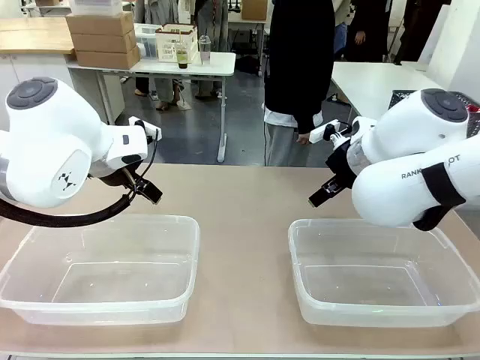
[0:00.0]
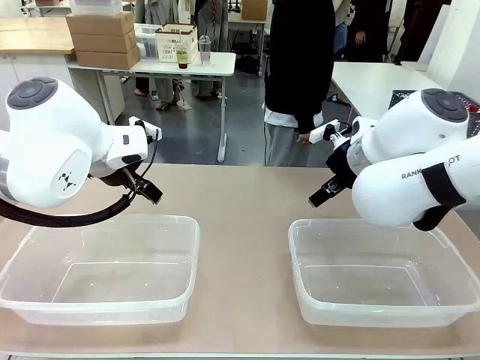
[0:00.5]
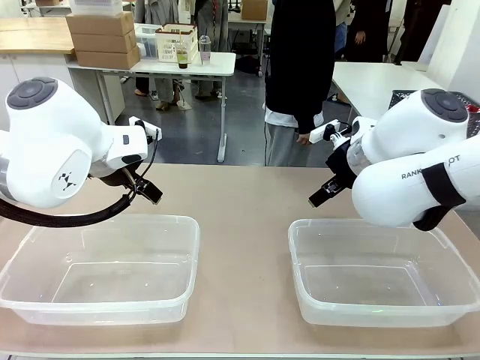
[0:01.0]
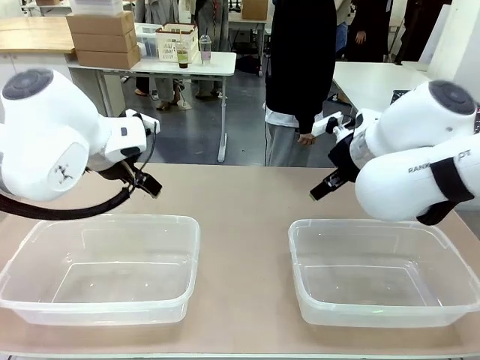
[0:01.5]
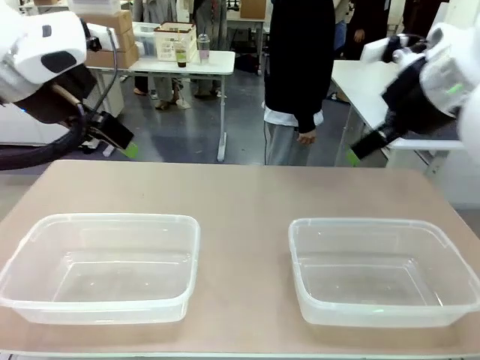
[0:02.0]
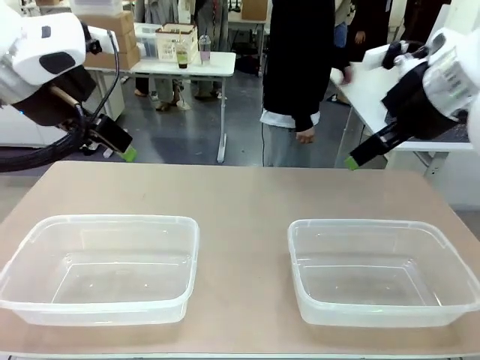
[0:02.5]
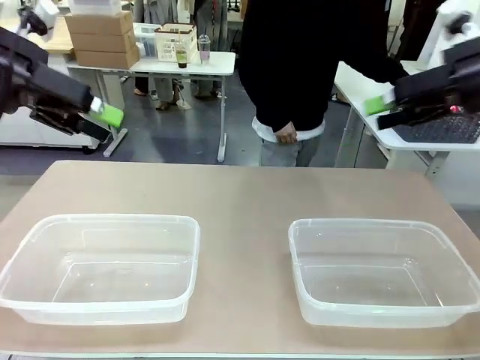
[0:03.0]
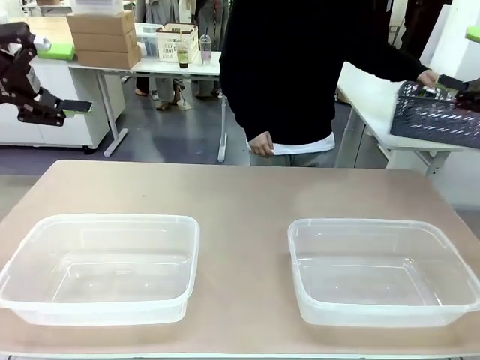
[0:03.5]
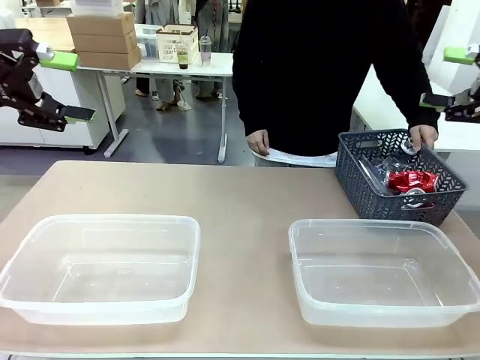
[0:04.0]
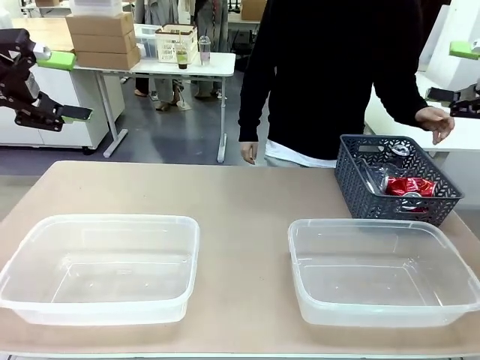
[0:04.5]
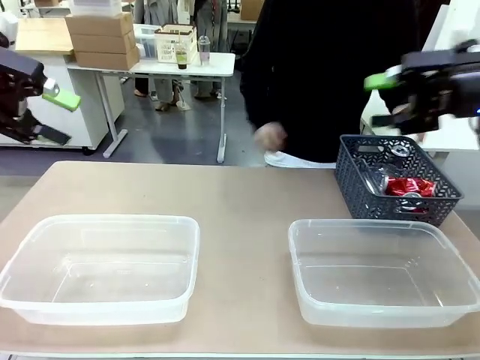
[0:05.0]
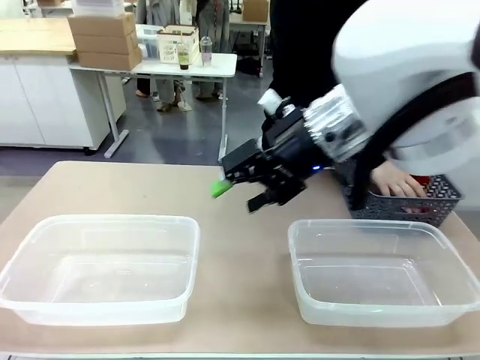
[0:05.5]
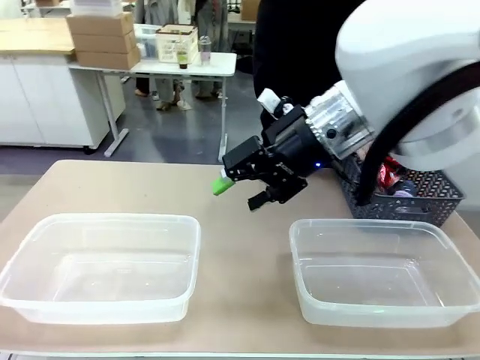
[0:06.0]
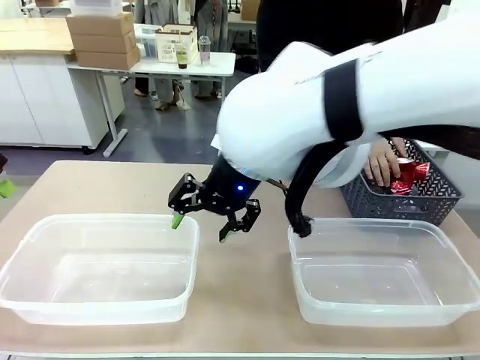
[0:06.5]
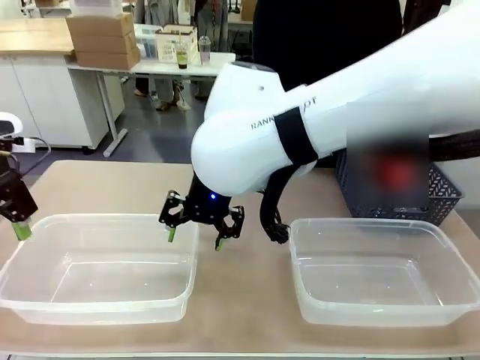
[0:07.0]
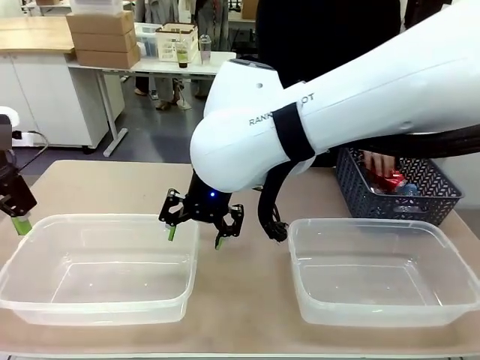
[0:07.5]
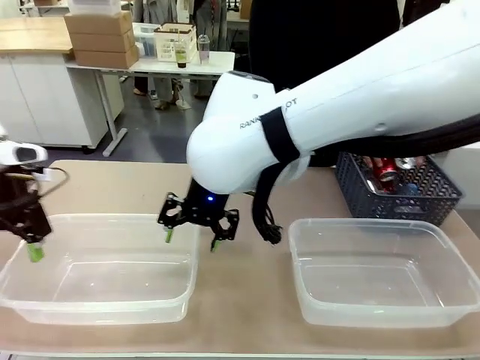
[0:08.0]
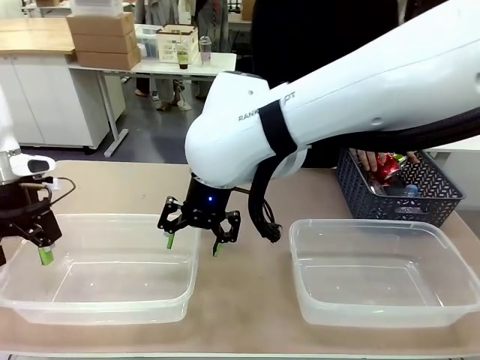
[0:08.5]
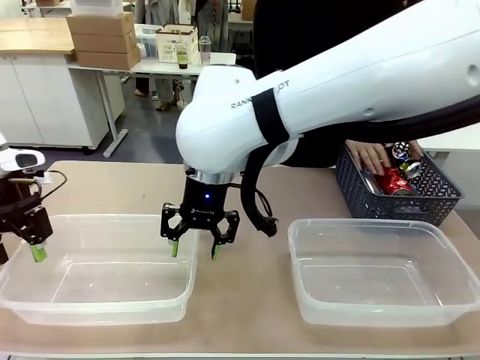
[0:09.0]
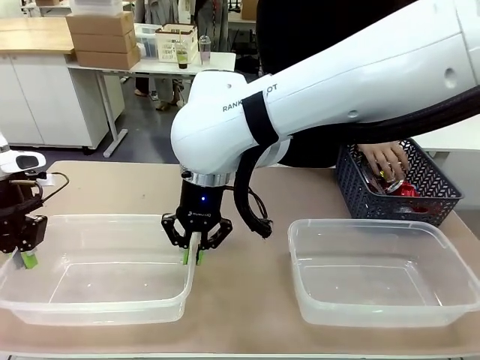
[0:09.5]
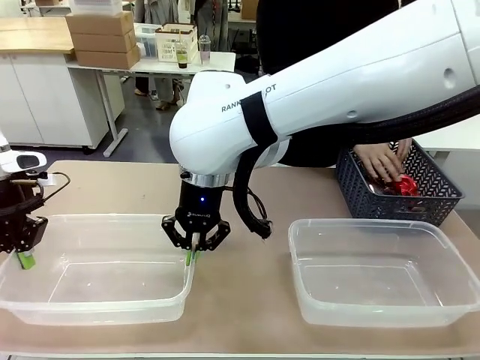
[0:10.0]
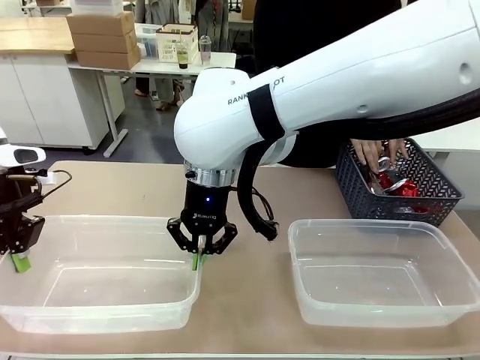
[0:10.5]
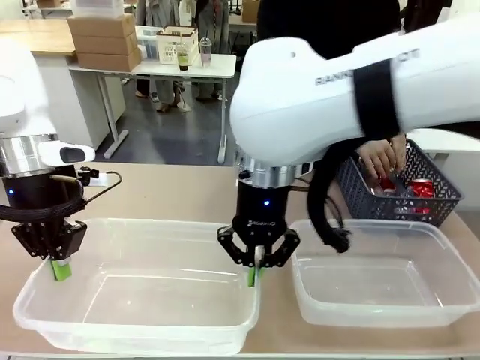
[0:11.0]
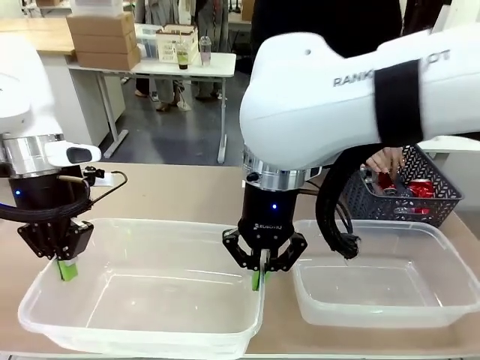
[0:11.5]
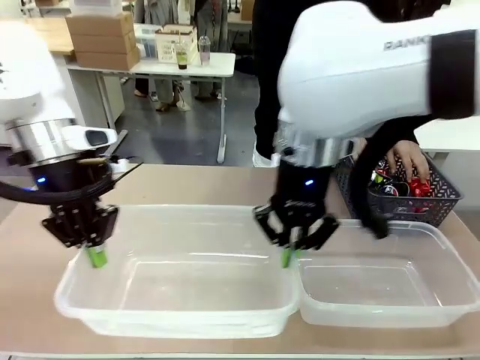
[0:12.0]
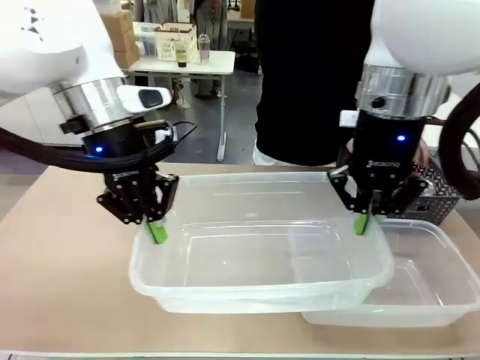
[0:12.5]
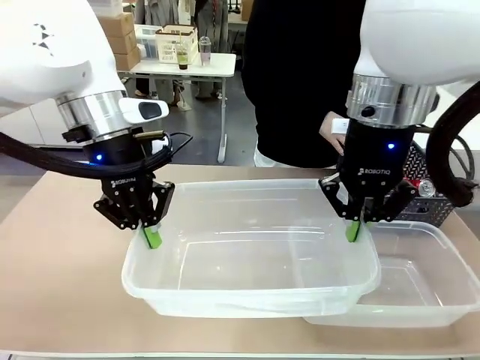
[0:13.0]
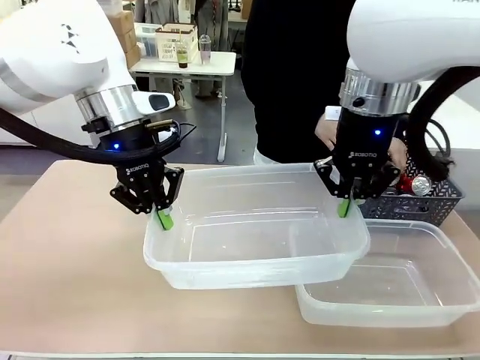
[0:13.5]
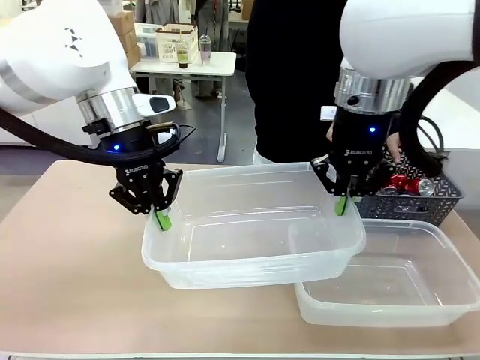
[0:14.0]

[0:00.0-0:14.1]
Robot: Pick up the Organizing box on the left side of the table and lift it.
Person: Pick up the storage basket and place it on the left side of the robot table. Pick up can-shaped waste one by one and place it into the organizing box lifted by the robot.

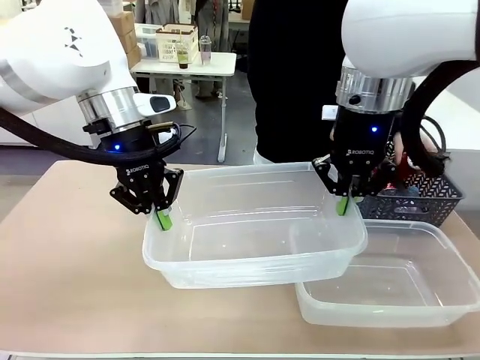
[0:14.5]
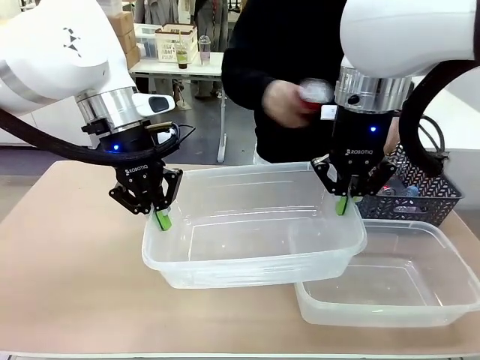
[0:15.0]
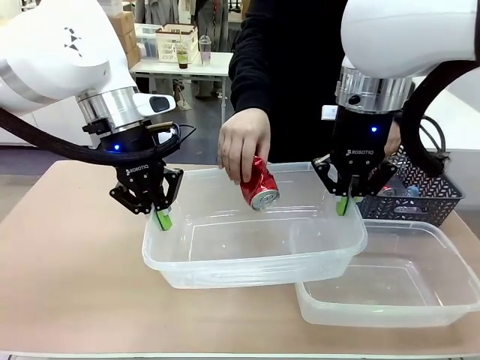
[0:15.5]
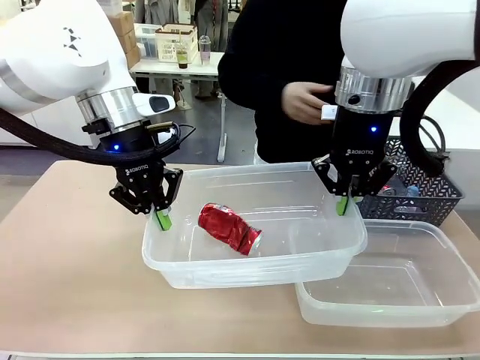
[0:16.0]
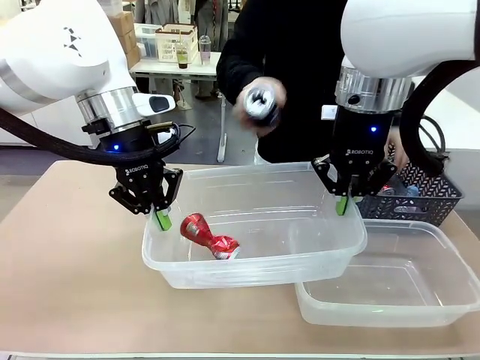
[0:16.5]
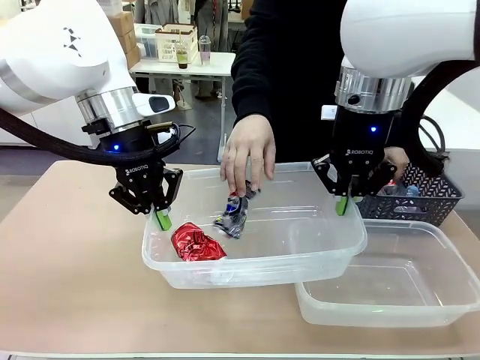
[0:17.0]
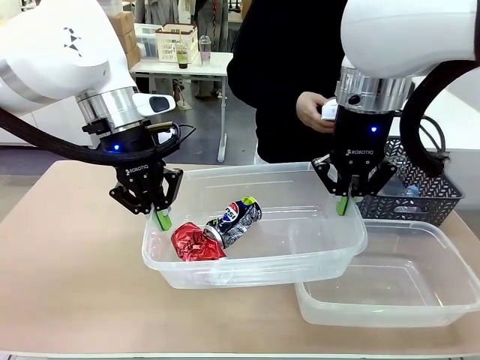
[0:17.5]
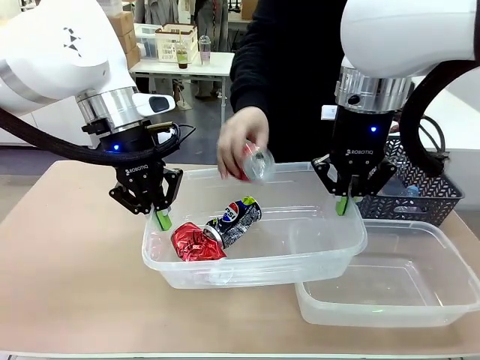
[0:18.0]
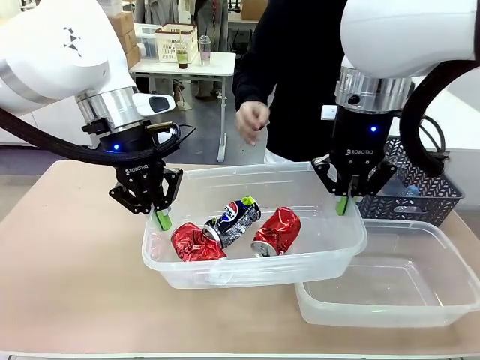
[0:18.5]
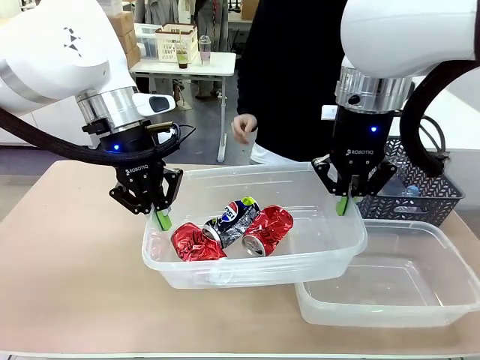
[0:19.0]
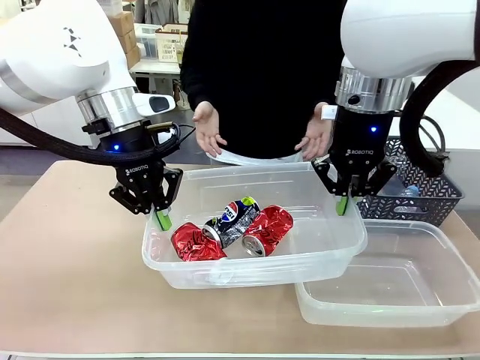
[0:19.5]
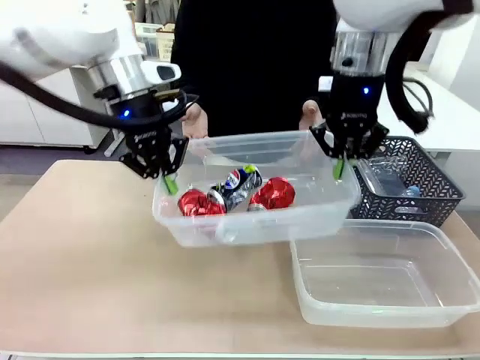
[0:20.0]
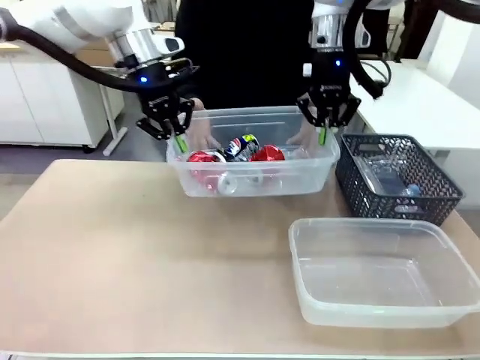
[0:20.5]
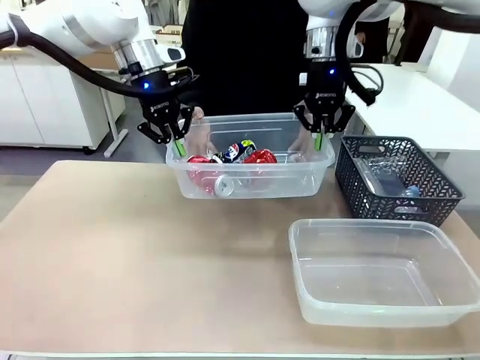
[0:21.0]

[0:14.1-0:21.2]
Robot: Offer the picked Organizing box to the human.

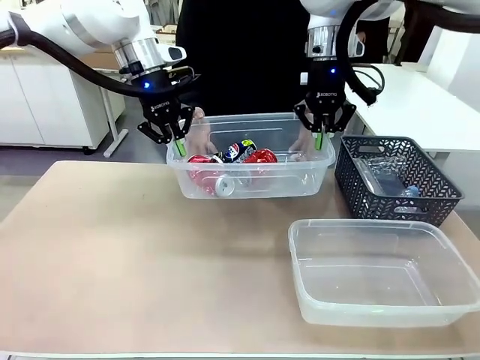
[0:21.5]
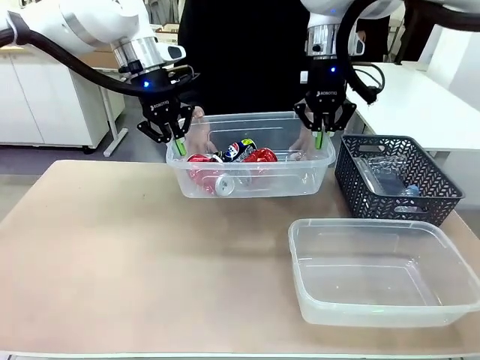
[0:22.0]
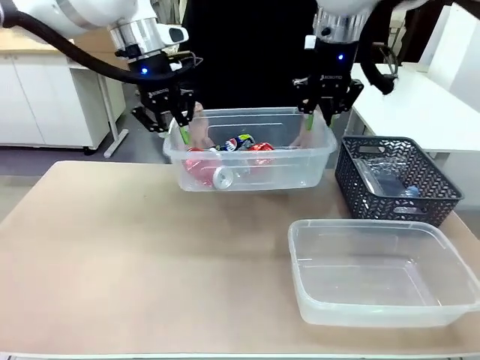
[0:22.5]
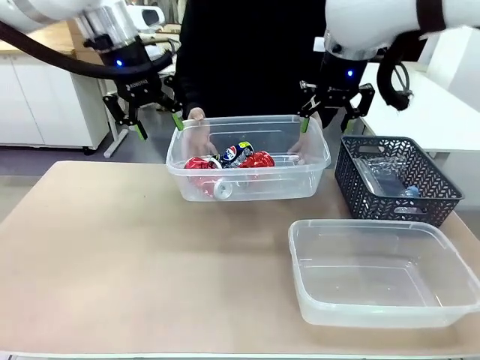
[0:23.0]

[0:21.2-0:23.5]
Robot: Release the Organizing box you were holding.

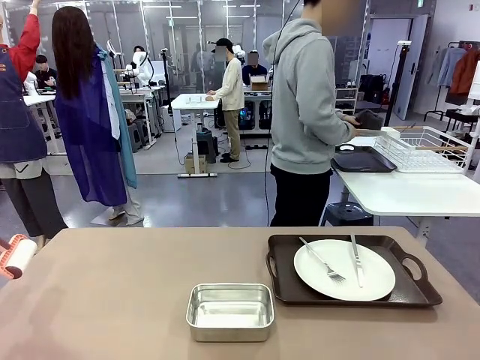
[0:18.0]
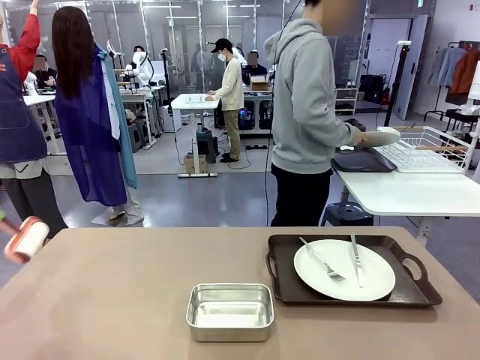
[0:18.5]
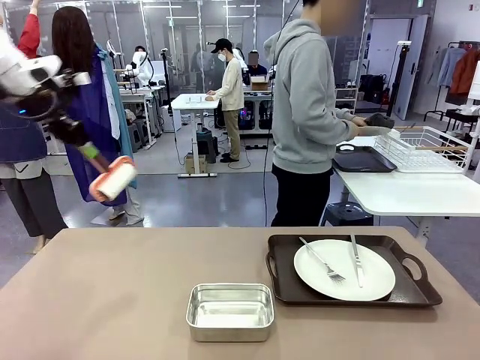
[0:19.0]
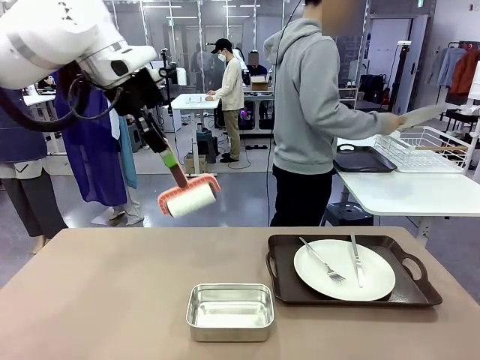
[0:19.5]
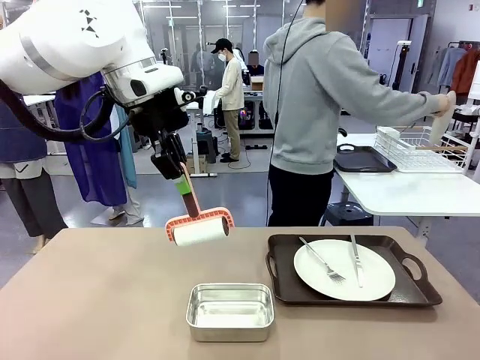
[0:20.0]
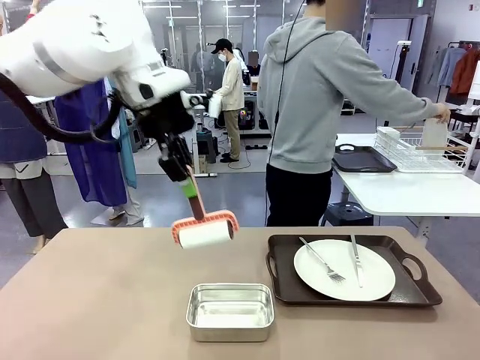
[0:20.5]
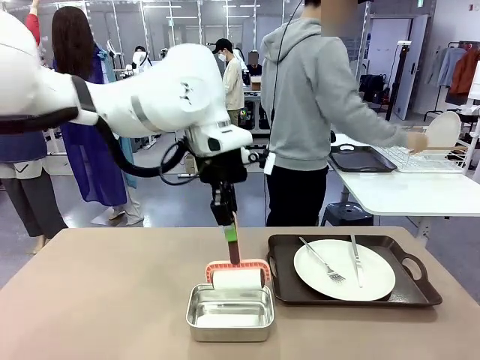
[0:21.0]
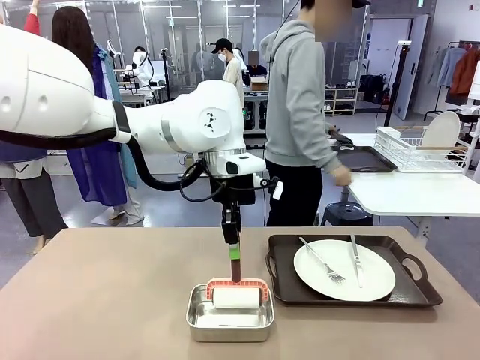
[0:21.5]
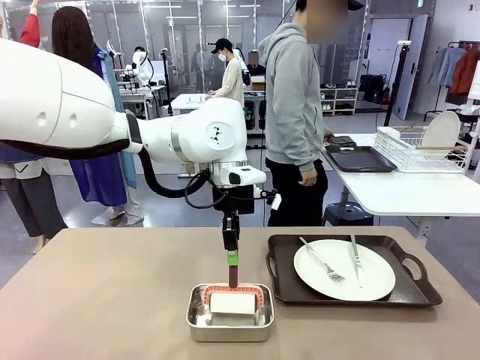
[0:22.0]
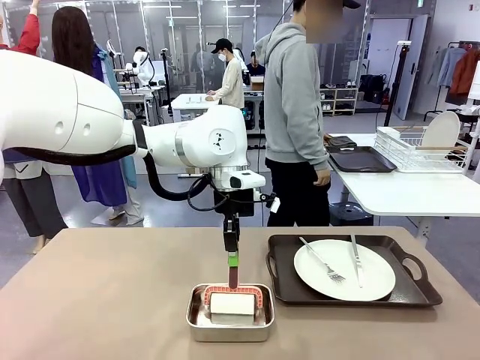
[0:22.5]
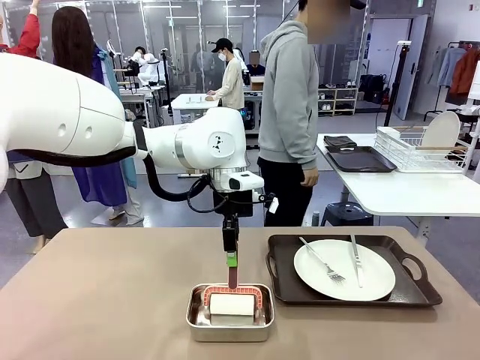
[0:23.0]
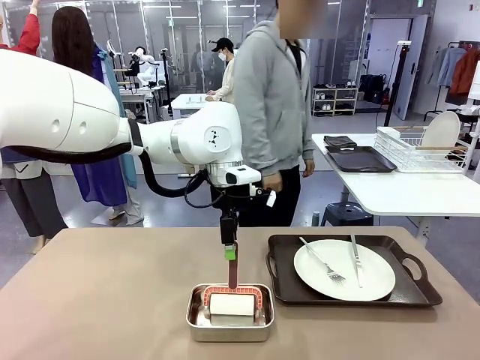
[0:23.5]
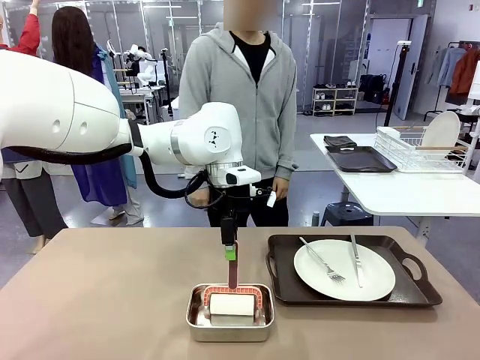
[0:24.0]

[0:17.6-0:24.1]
Robot: Place the Lint Roller back on top of the Airtight Container.
